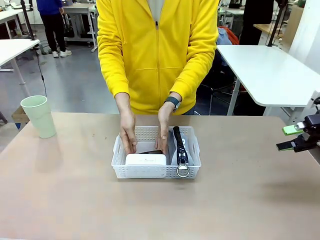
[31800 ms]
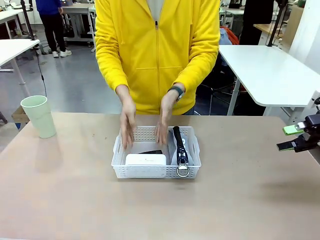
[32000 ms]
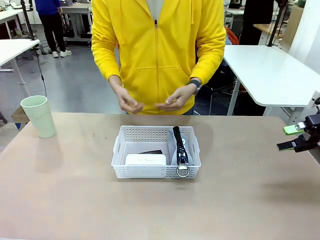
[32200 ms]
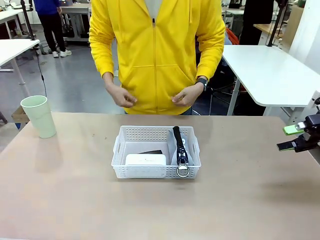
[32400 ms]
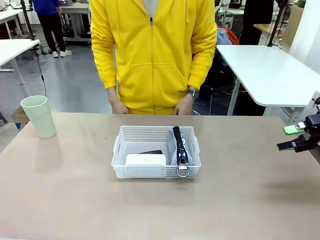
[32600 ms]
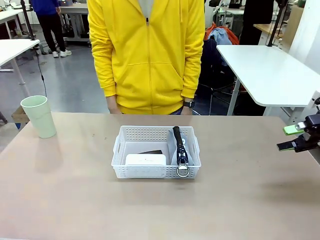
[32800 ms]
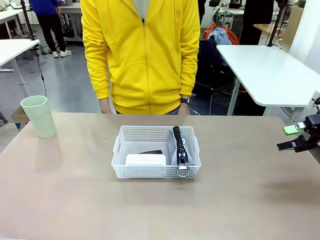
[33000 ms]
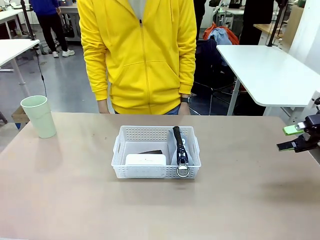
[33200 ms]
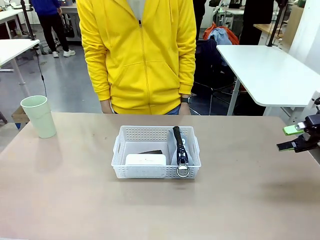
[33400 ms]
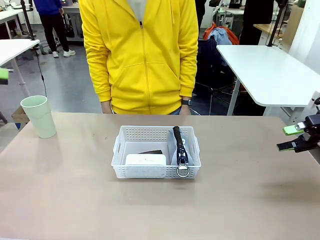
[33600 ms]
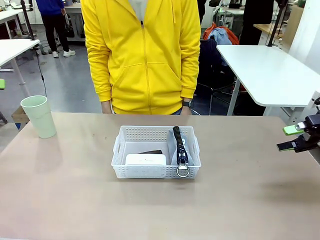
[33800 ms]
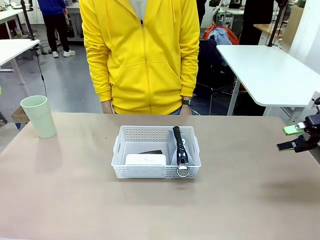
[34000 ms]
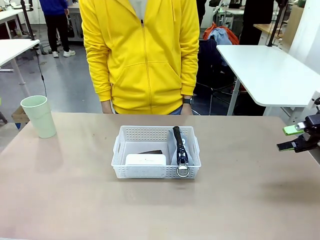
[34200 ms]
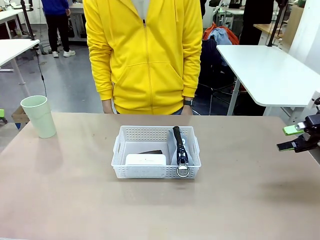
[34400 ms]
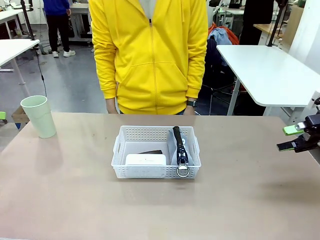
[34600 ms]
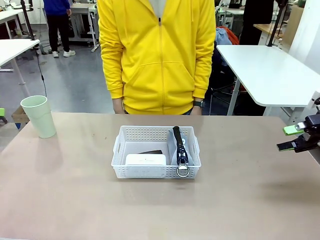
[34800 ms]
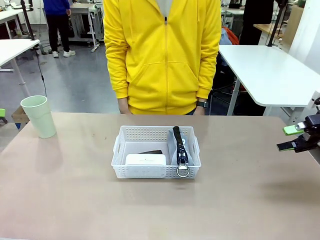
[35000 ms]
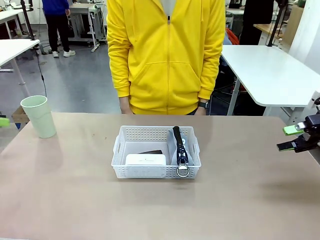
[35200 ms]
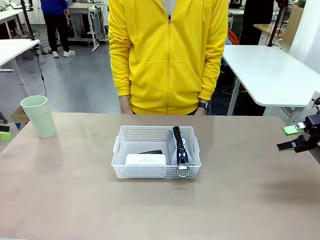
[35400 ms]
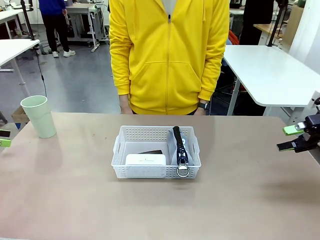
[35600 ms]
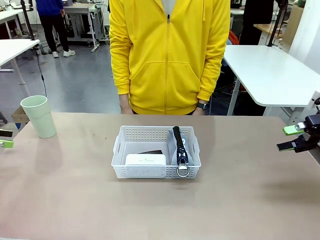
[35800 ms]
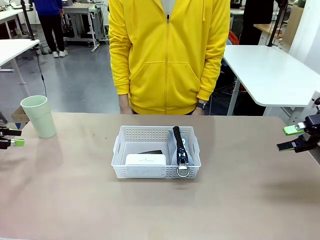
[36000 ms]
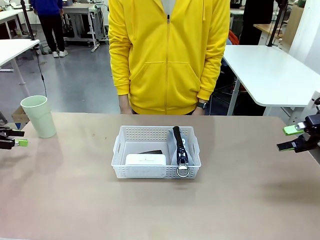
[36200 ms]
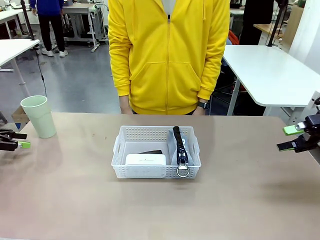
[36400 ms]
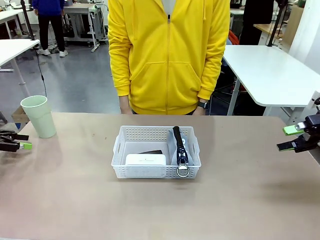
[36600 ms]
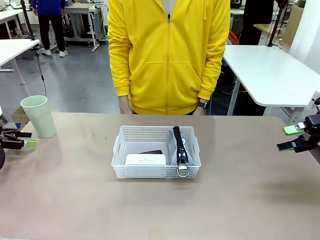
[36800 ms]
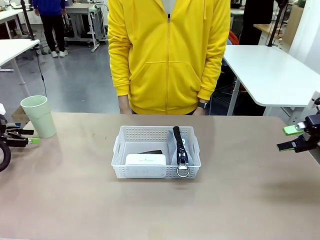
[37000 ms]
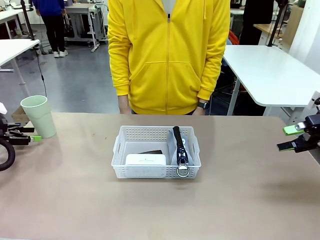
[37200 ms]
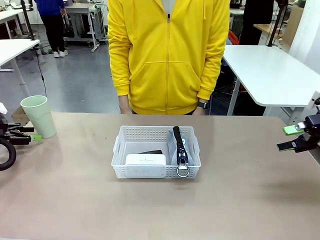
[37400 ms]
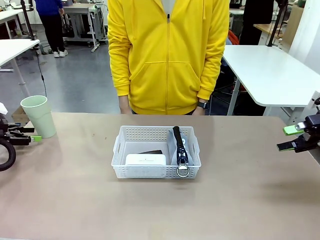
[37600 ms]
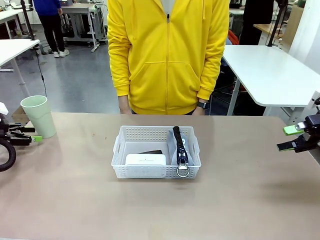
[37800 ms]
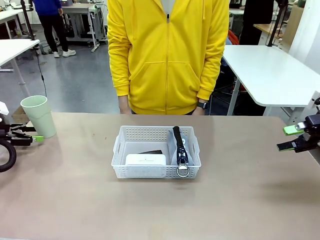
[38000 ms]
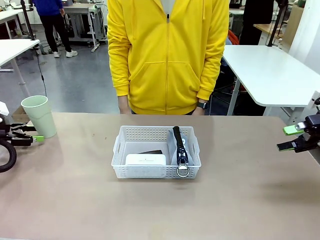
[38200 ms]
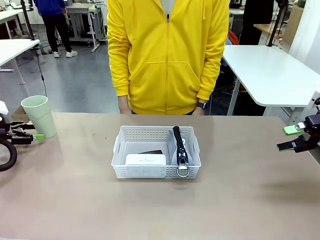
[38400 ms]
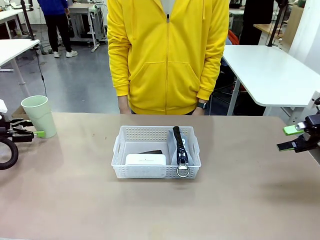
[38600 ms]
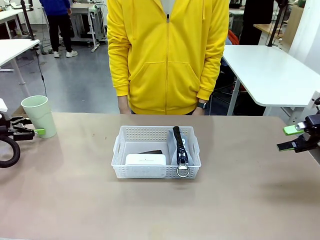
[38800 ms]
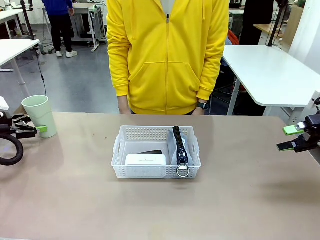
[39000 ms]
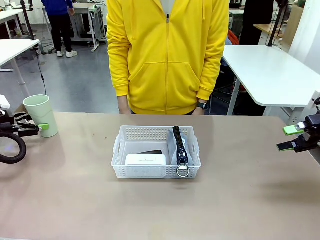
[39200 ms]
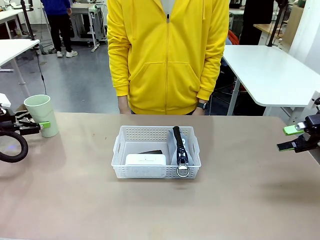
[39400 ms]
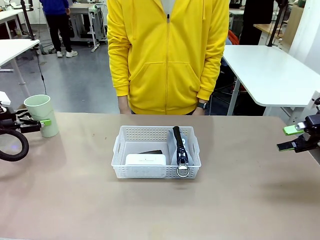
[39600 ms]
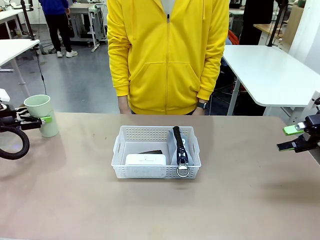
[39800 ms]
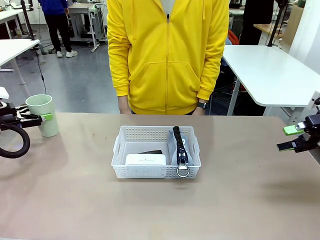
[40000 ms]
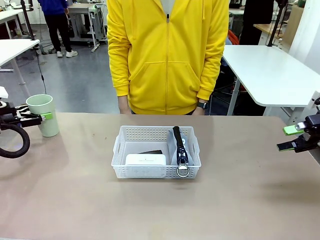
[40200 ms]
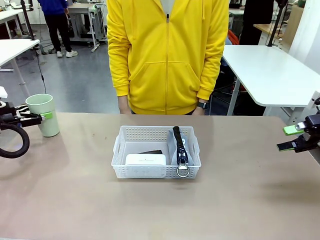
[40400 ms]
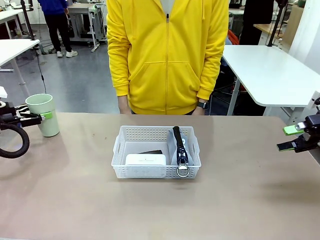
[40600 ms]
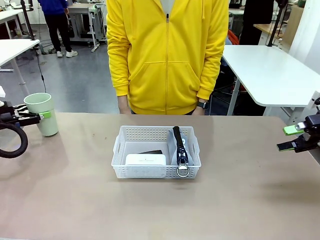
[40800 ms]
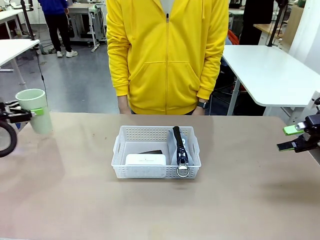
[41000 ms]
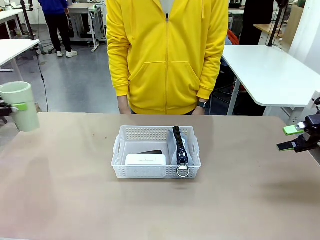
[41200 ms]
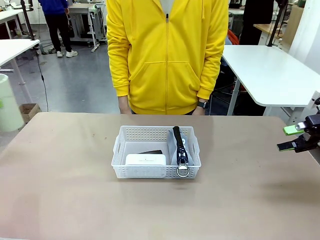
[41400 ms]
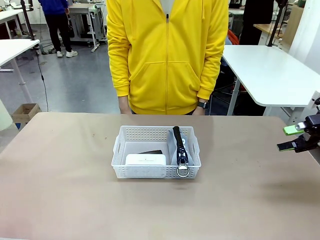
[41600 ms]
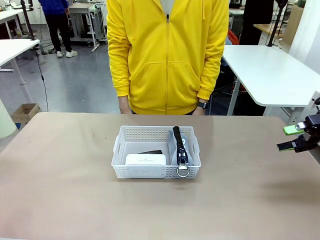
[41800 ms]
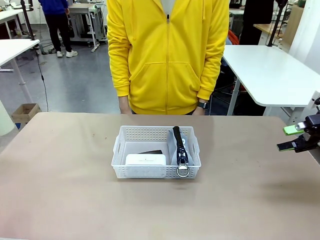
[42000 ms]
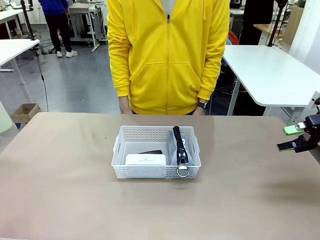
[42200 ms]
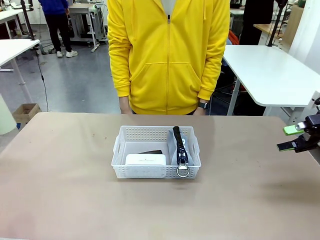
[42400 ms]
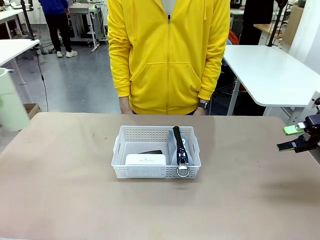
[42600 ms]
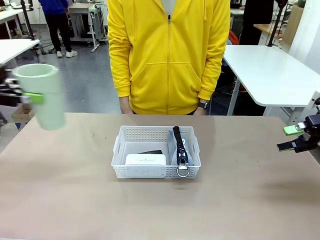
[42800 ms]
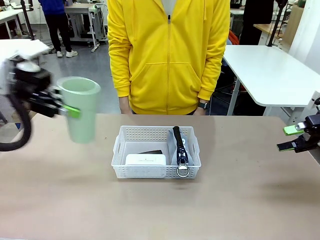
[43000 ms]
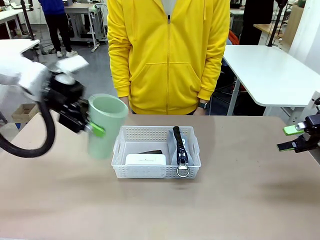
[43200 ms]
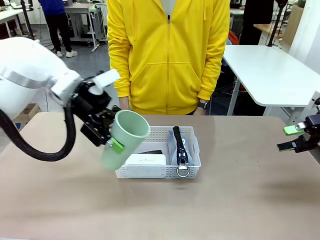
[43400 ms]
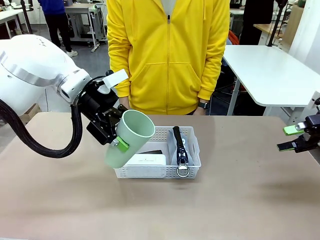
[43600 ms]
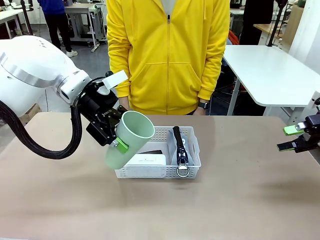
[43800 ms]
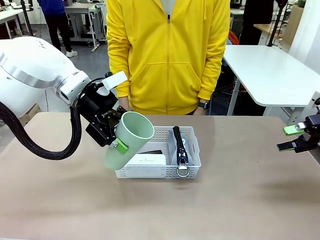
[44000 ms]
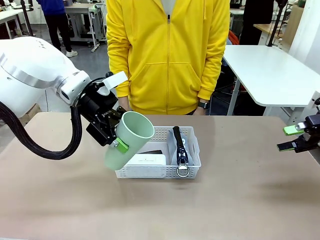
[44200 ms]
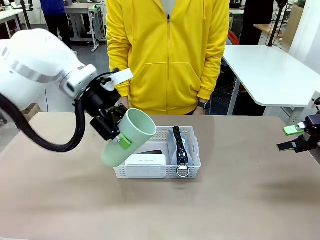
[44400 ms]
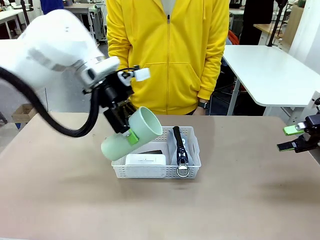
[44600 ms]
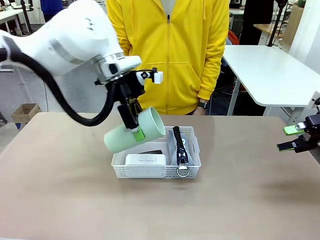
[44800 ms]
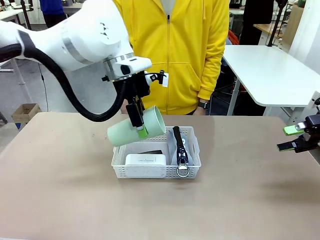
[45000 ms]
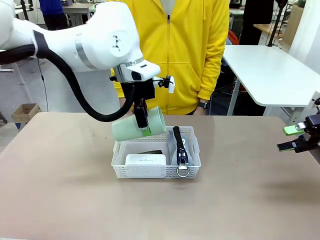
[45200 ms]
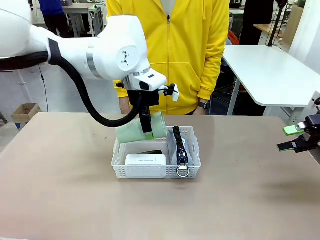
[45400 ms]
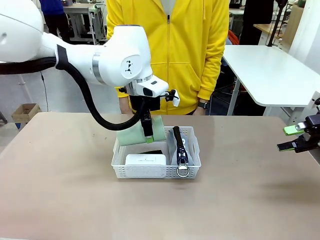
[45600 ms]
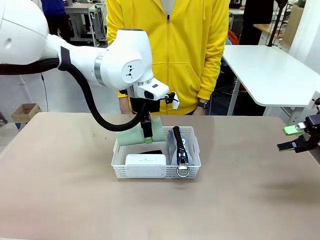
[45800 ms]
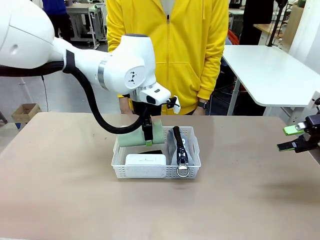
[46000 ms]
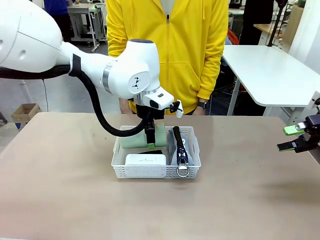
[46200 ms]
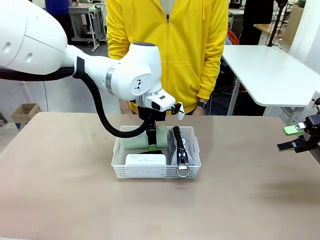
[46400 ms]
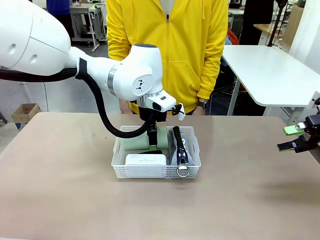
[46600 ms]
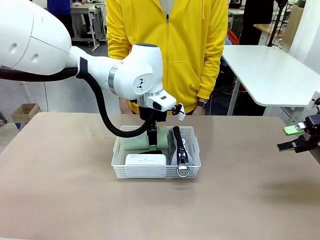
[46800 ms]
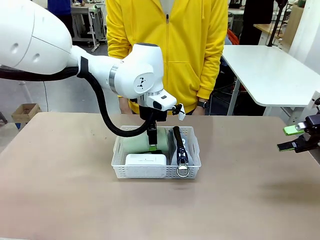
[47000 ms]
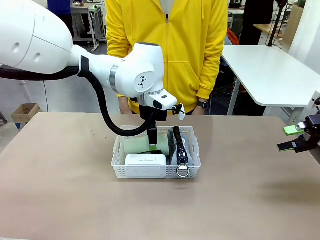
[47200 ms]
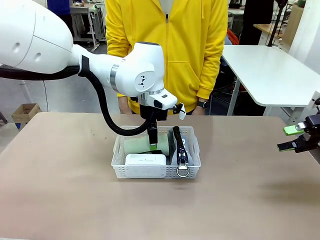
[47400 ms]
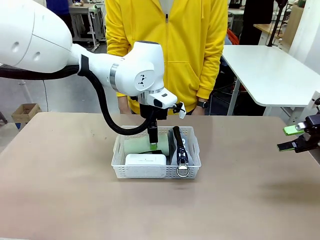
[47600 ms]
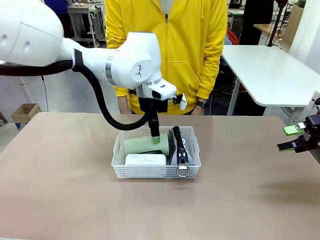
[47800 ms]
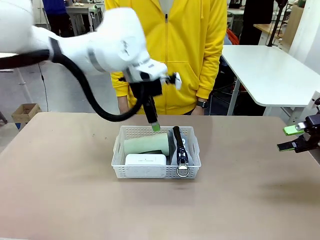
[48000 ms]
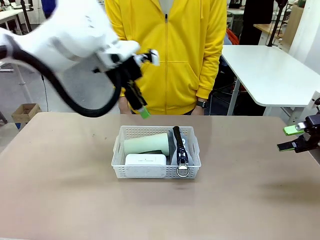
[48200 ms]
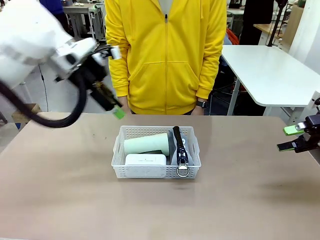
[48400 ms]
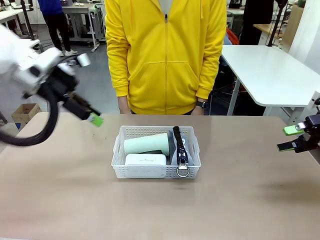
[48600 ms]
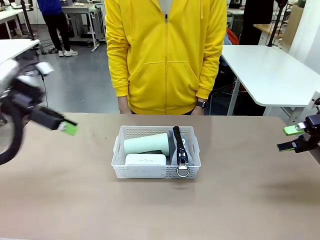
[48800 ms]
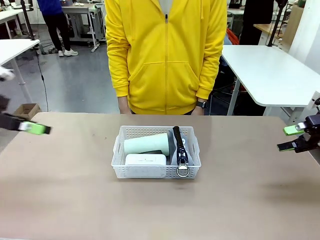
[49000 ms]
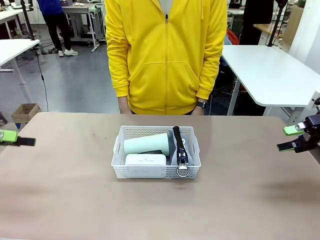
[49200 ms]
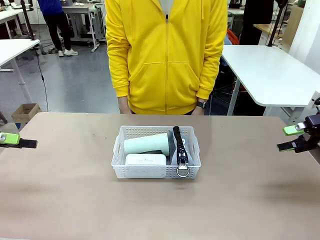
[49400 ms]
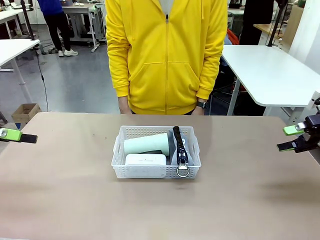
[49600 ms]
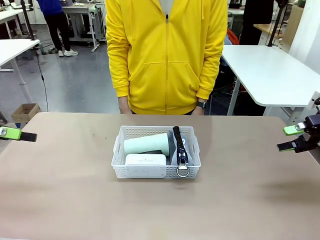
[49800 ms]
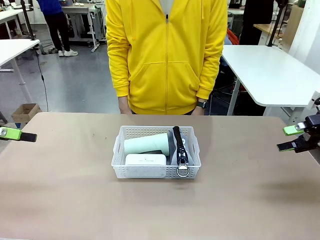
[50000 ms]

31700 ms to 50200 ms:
Task: Efficiently arrange items inside the basket to fit them all.
Robot: Pick up the Reusable plastic cup and place it inside the Organizing basket.
Person: Repositions the stapler.
